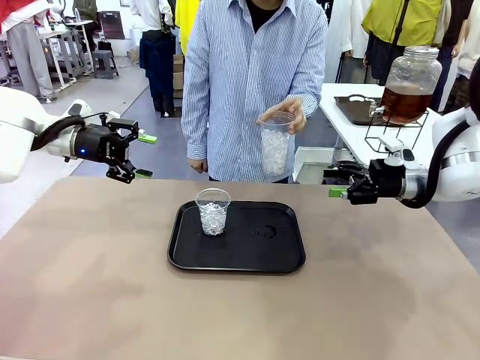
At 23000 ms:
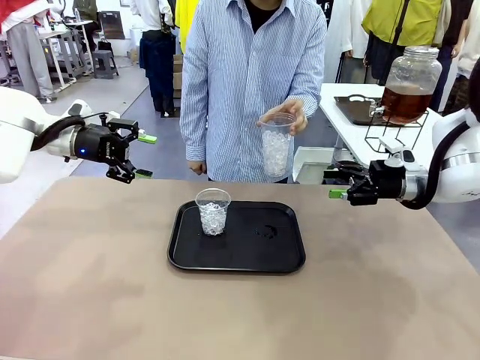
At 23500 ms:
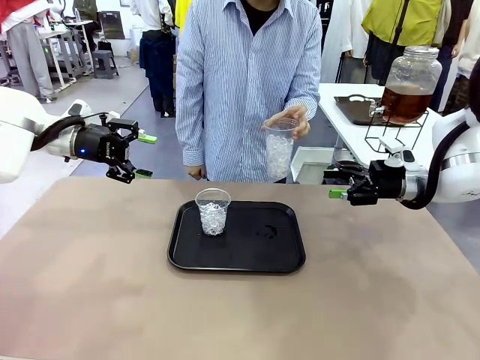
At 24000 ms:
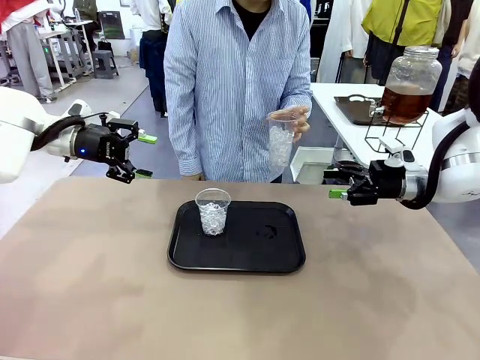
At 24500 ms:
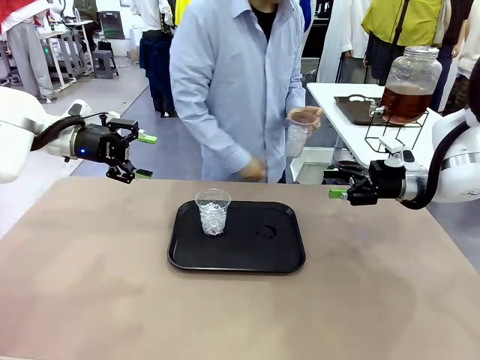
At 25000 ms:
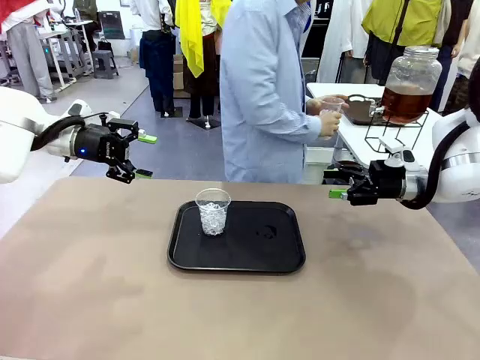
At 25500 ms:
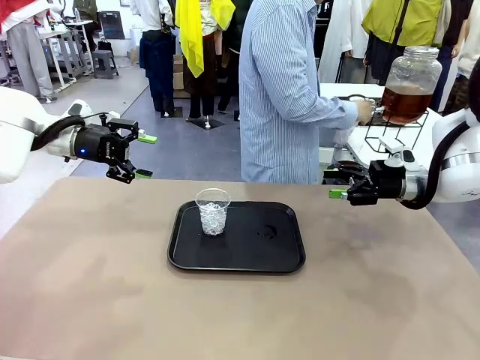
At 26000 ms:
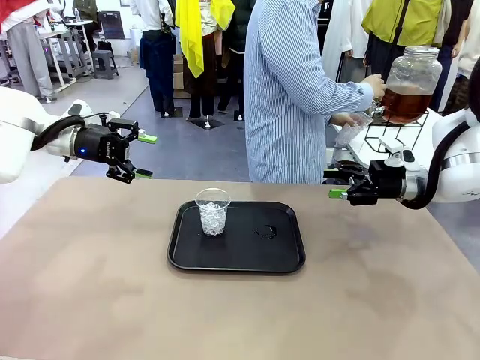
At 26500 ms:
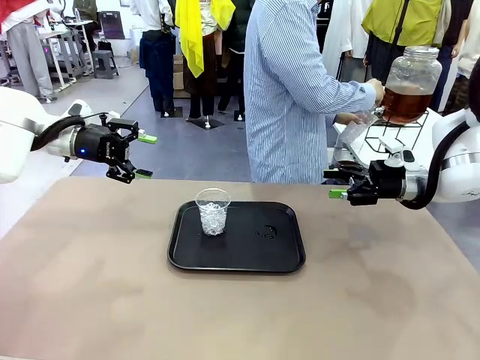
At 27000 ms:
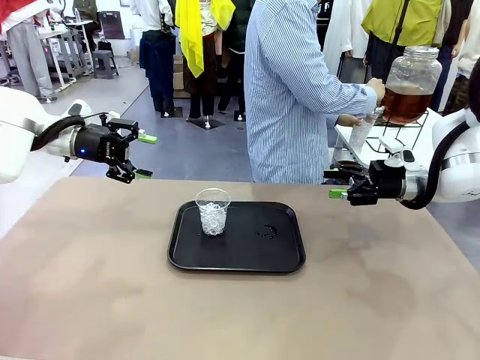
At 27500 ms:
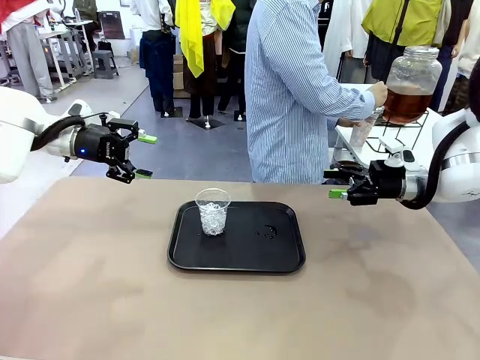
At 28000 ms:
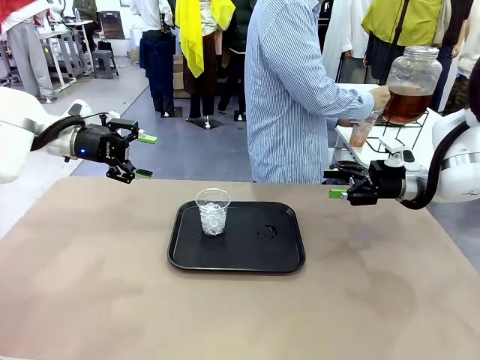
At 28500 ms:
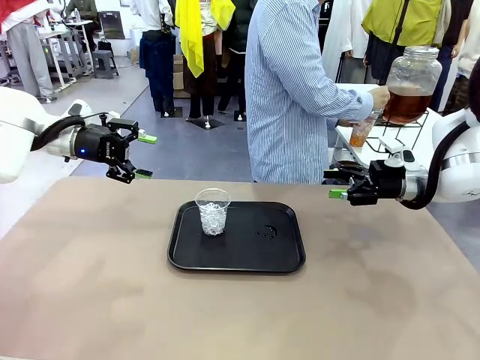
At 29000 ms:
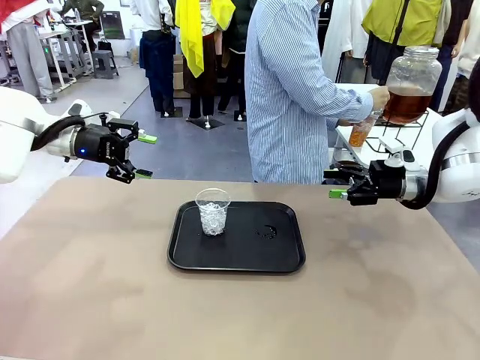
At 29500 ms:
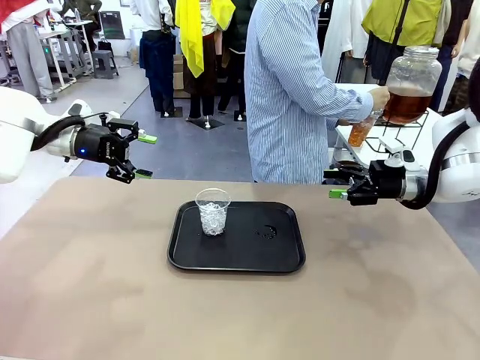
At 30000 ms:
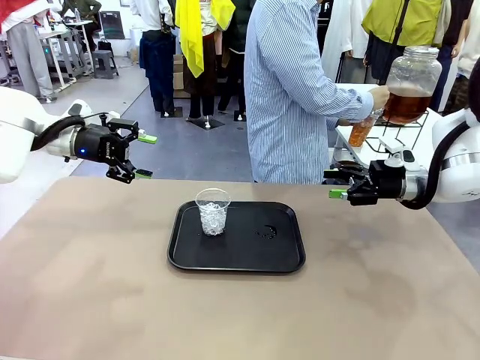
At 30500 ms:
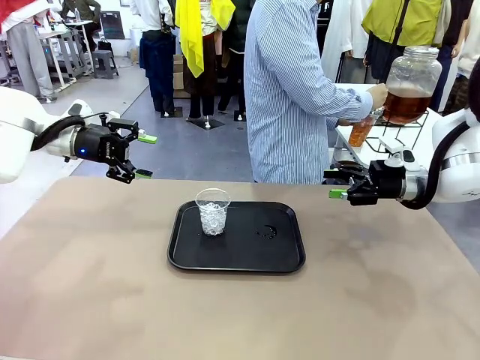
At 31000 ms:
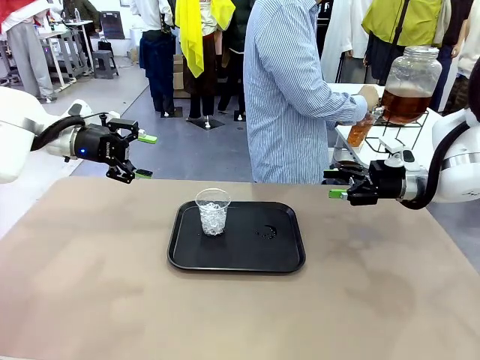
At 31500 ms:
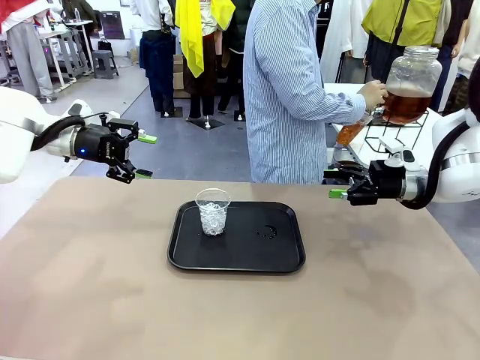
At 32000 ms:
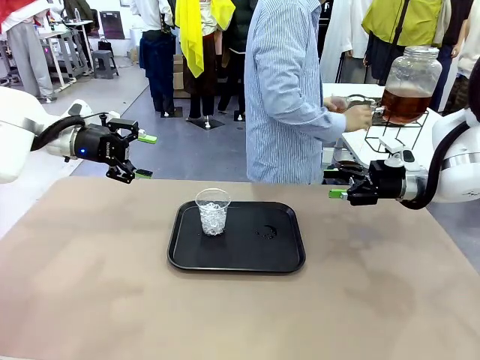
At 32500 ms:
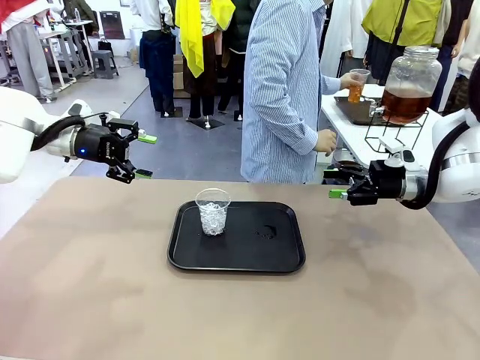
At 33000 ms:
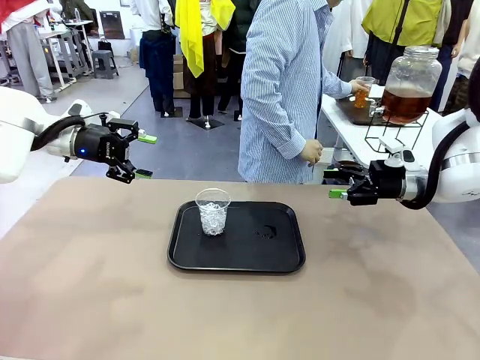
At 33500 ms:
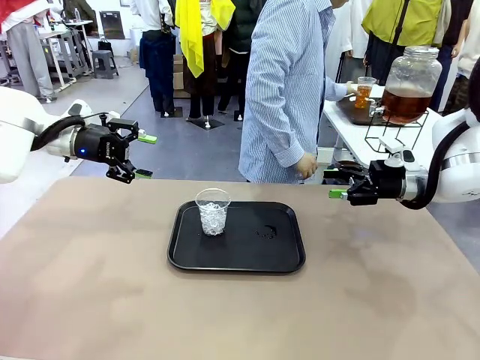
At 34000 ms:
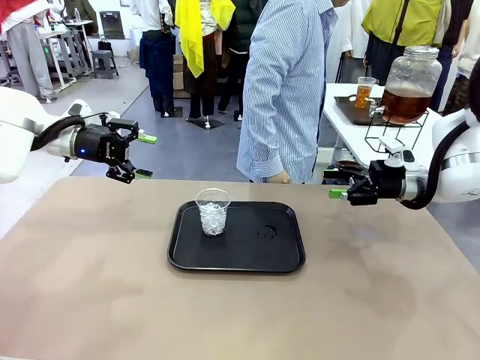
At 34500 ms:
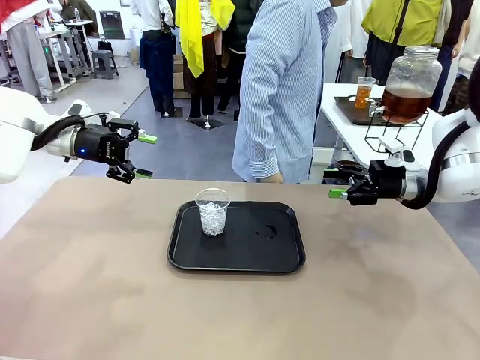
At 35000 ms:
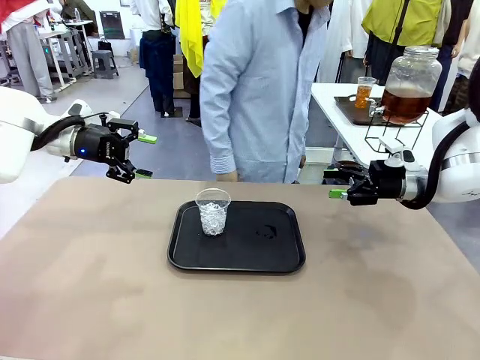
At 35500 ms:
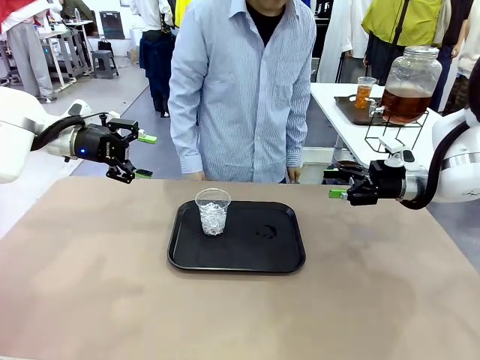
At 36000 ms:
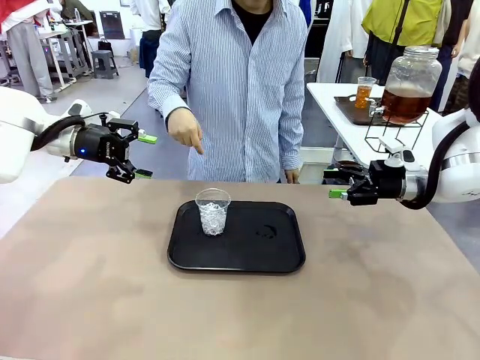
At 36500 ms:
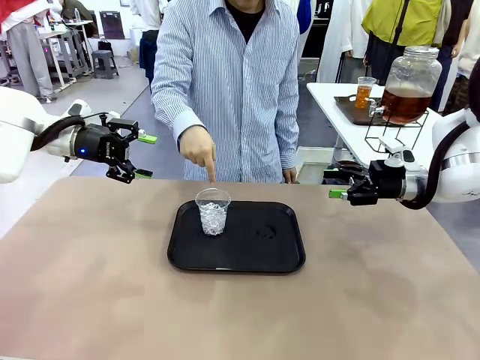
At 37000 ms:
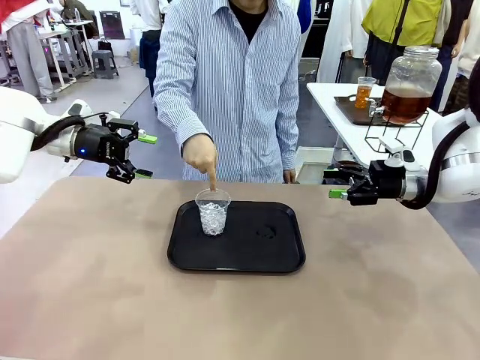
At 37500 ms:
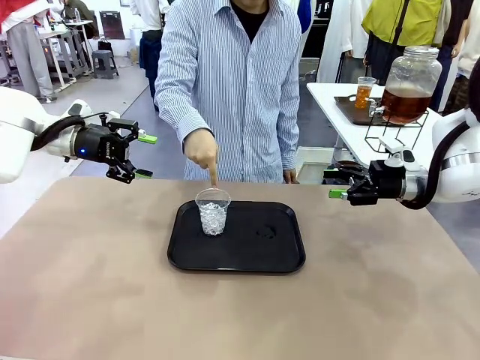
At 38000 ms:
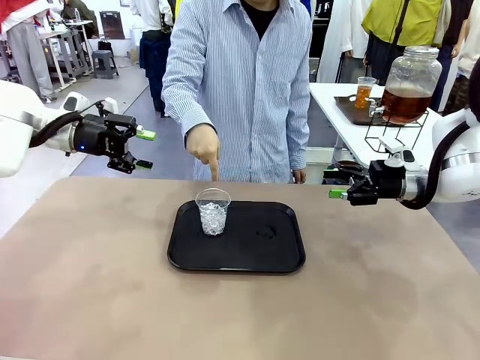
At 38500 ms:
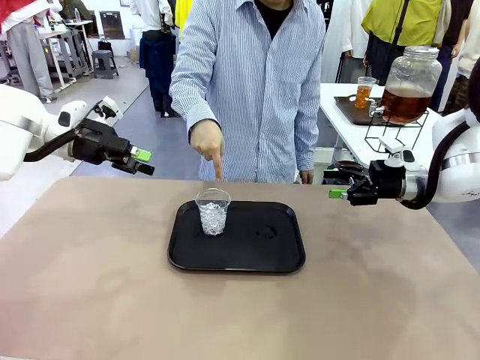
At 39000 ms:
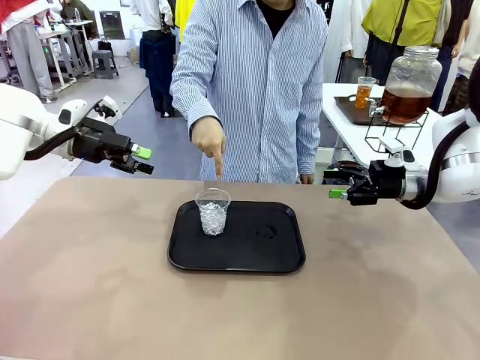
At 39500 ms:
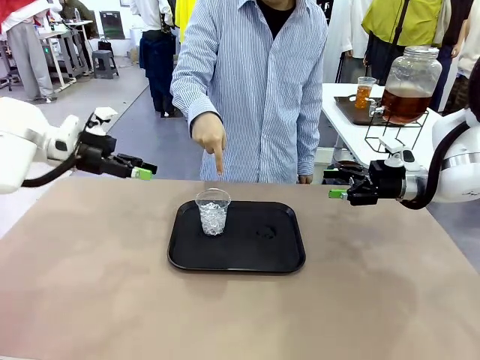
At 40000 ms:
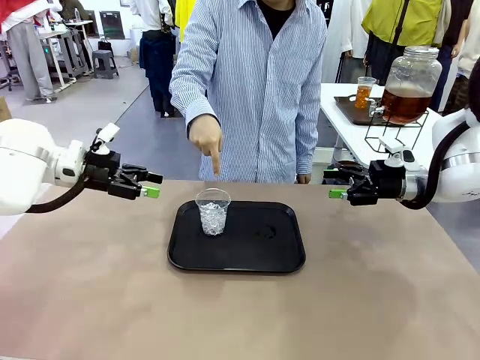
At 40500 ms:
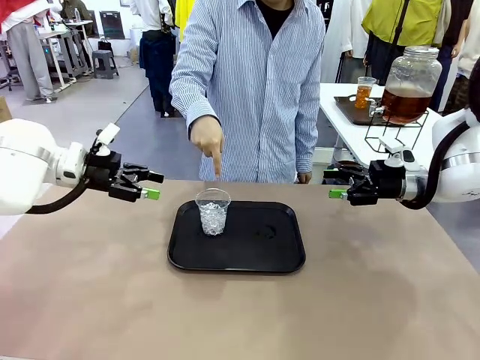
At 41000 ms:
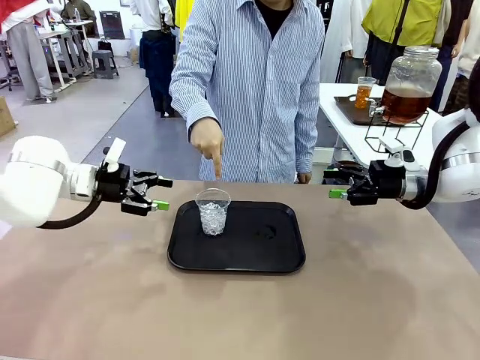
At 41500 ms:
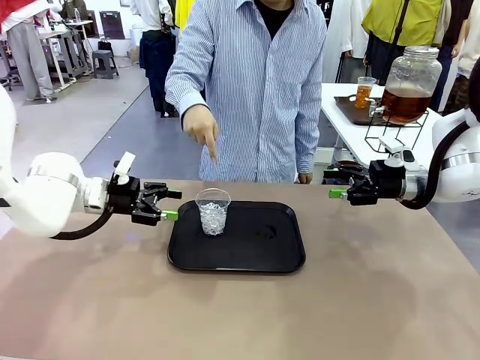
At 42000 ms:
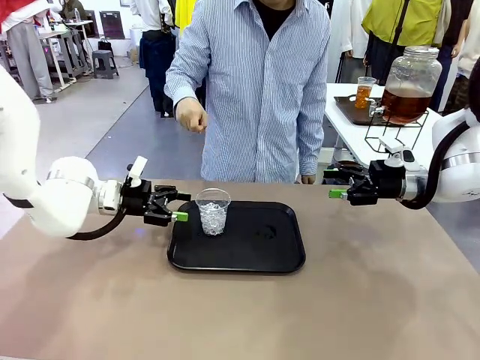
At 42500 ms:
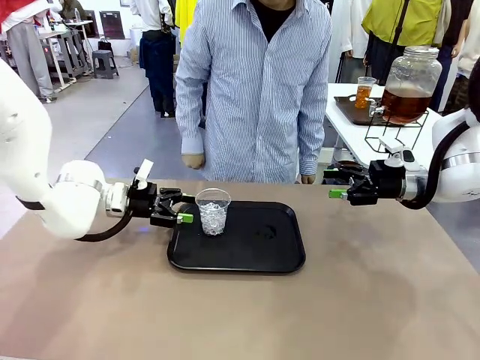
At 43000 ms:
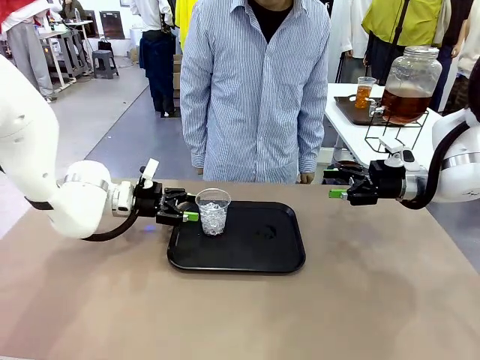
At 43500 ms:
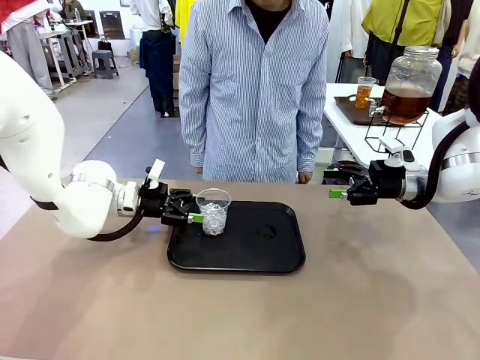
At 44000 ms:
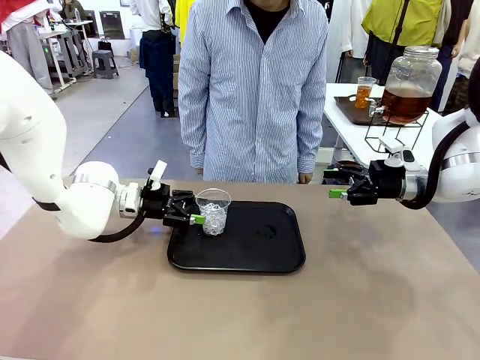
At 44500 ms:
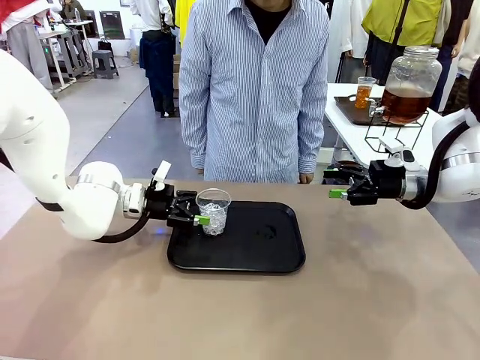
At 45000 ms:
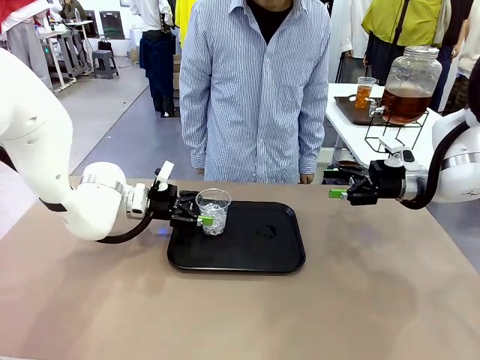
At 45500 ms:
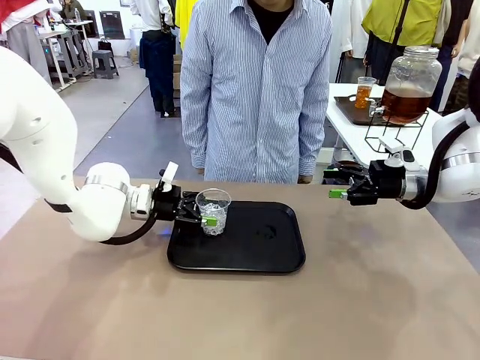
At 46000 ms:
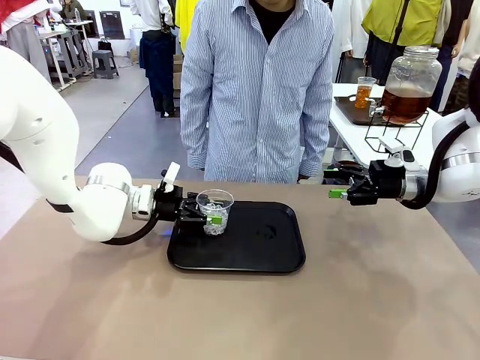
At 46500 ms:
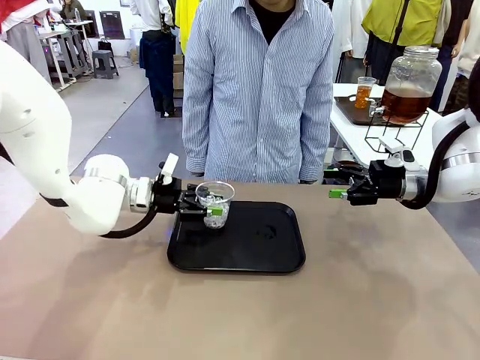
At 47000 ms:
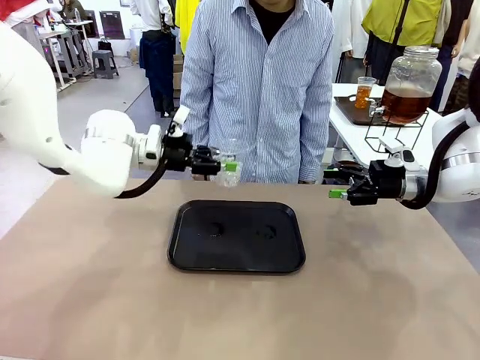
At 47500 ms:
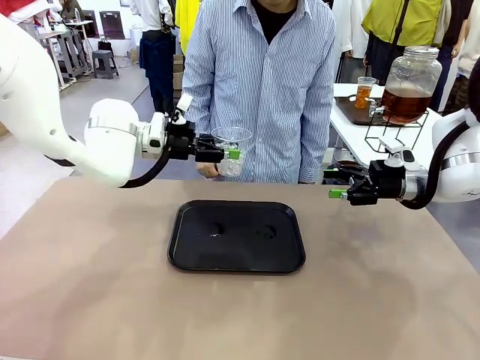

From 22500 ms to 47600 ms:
Task: Pour the drink into the iced cup.
Robot: Pick up the iced cup indicated by the human and present it to them.
Person: Move the picked-up cup under the dispenser faucet, pour the drink, and place it on the tray on the human table. Point to the remaining ice cup on the robot table. Pick up the cup offered by the robot.
